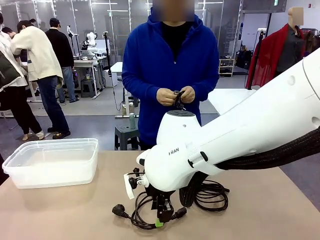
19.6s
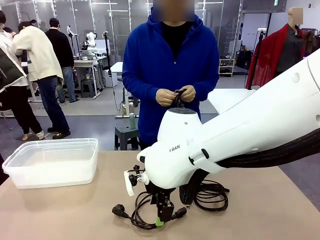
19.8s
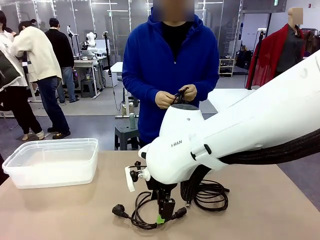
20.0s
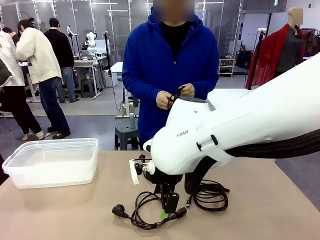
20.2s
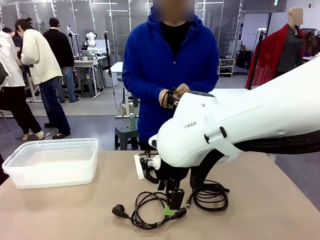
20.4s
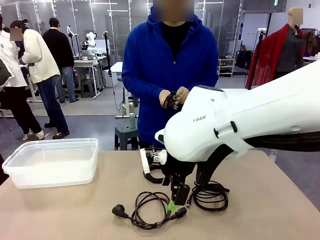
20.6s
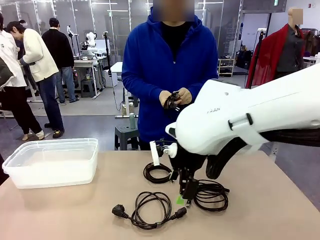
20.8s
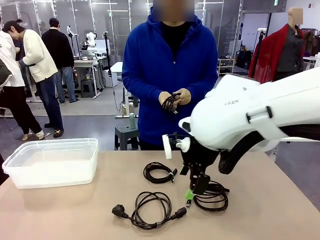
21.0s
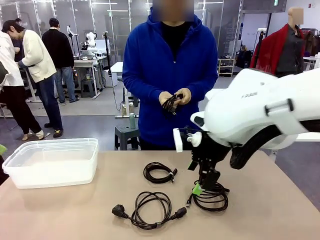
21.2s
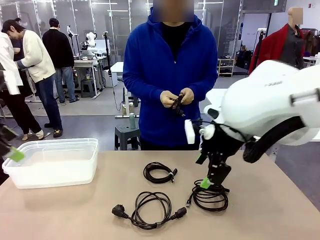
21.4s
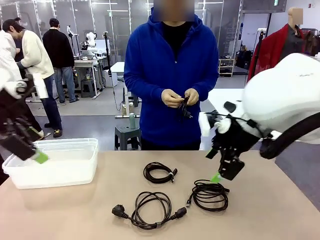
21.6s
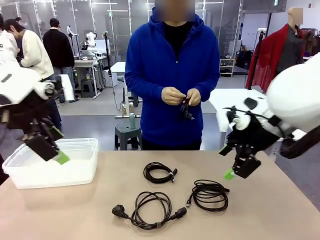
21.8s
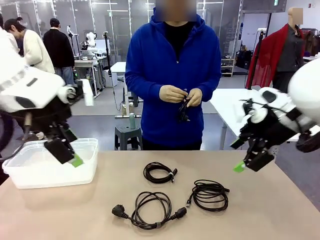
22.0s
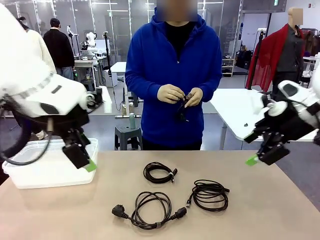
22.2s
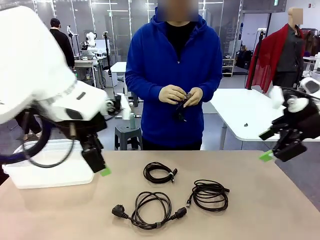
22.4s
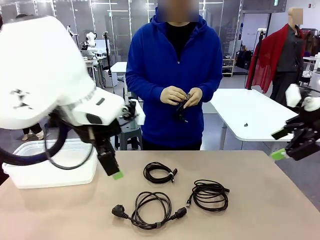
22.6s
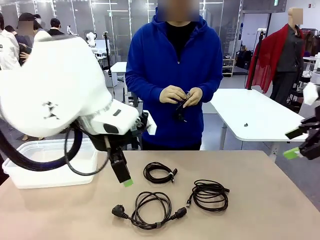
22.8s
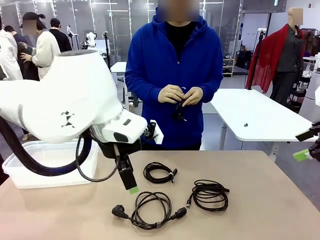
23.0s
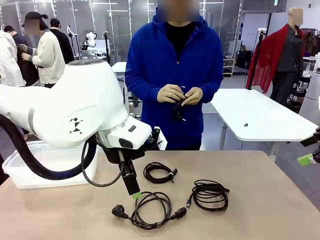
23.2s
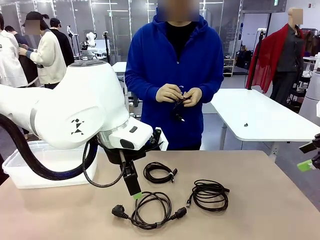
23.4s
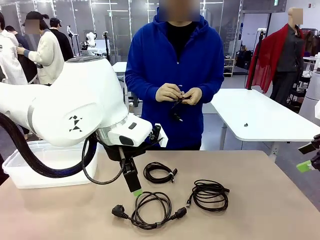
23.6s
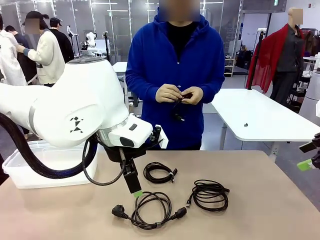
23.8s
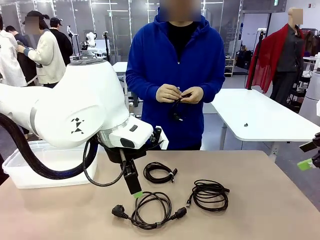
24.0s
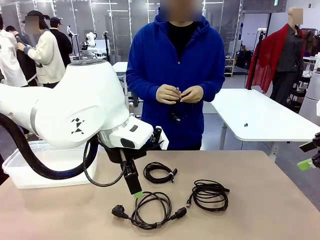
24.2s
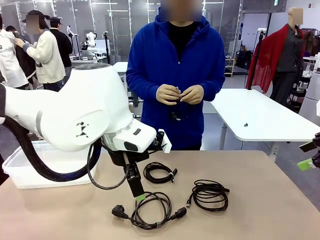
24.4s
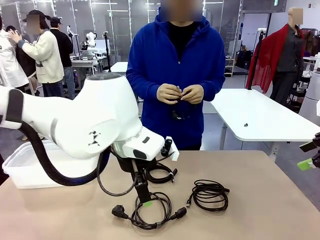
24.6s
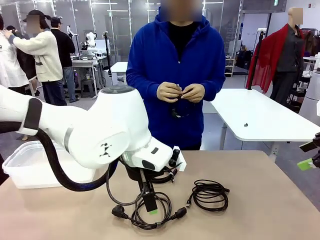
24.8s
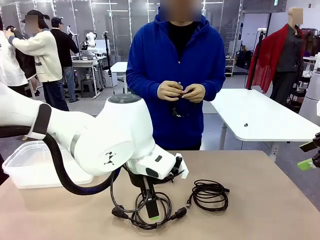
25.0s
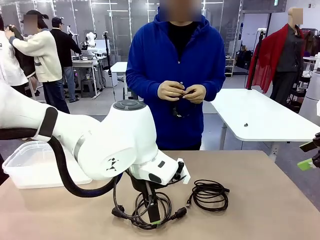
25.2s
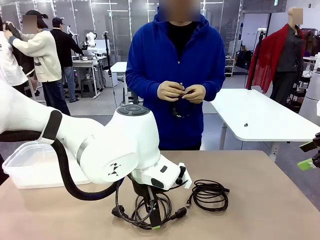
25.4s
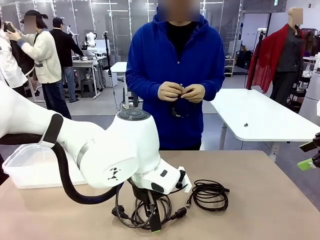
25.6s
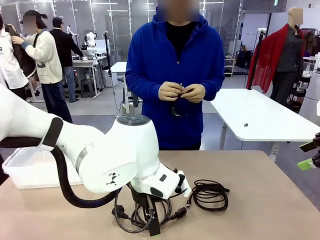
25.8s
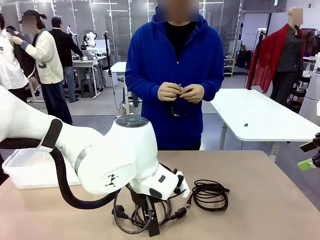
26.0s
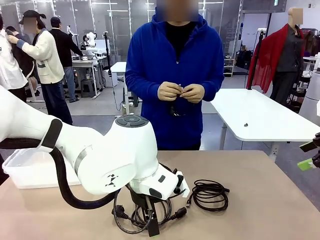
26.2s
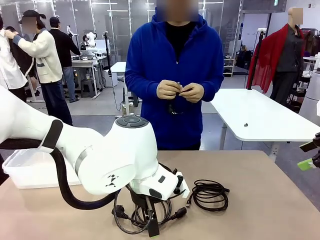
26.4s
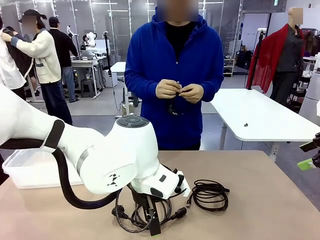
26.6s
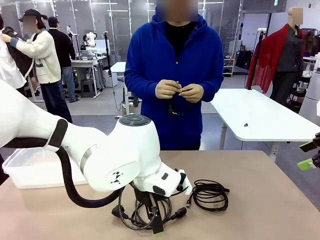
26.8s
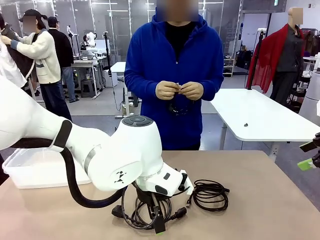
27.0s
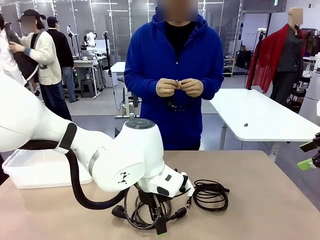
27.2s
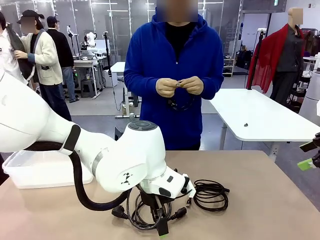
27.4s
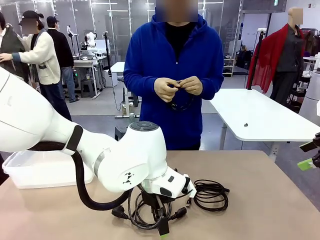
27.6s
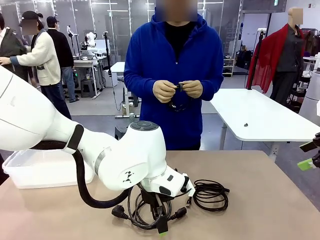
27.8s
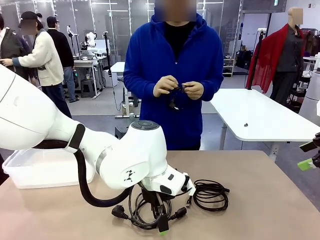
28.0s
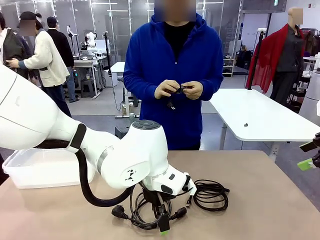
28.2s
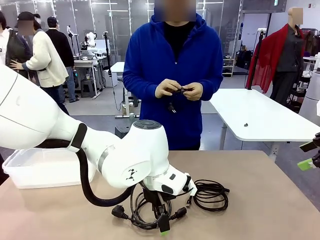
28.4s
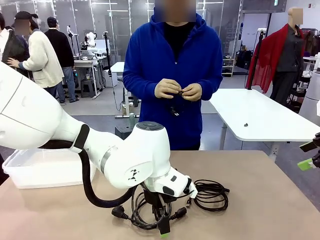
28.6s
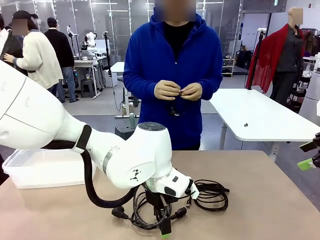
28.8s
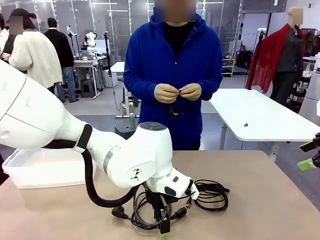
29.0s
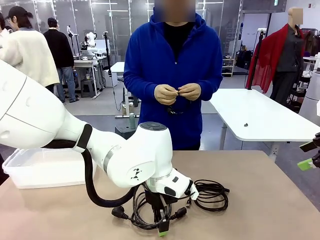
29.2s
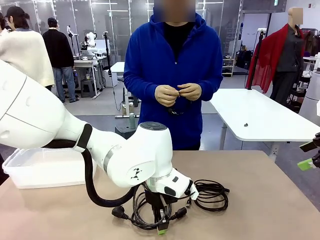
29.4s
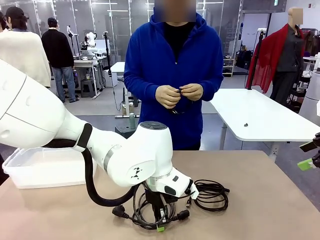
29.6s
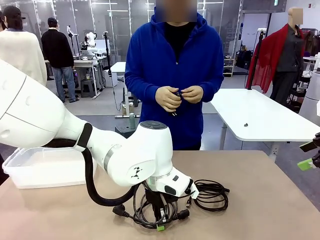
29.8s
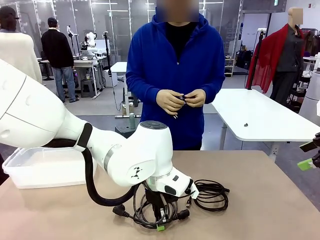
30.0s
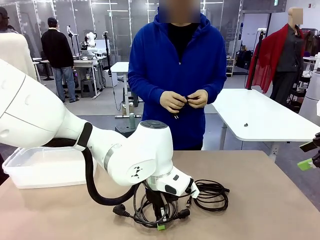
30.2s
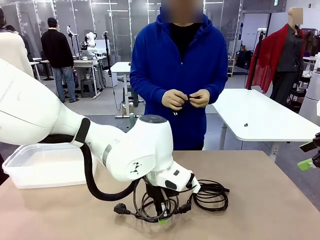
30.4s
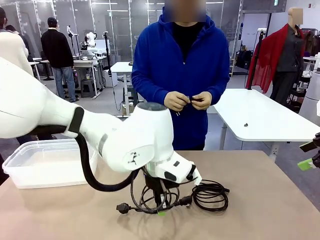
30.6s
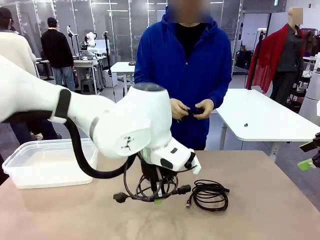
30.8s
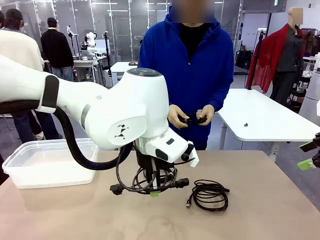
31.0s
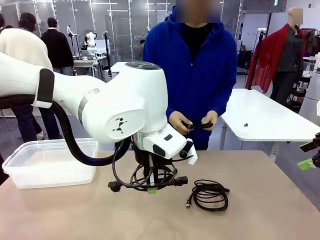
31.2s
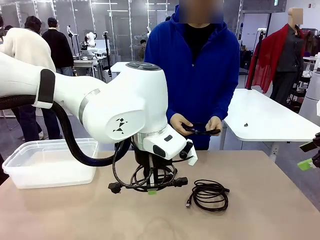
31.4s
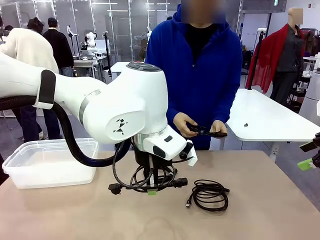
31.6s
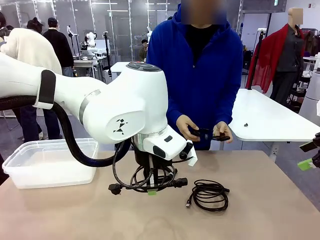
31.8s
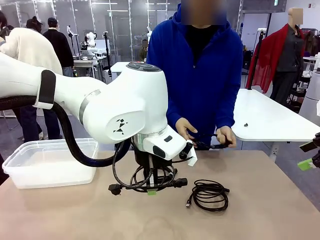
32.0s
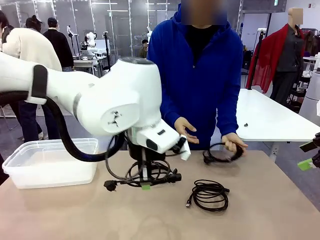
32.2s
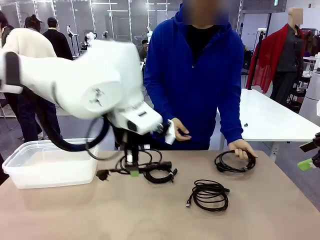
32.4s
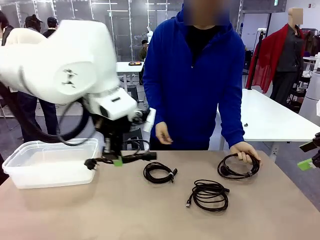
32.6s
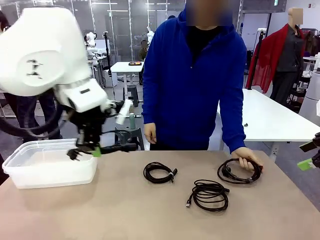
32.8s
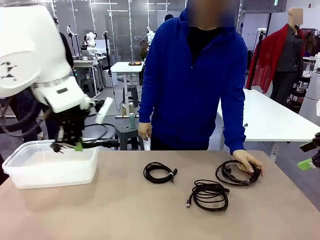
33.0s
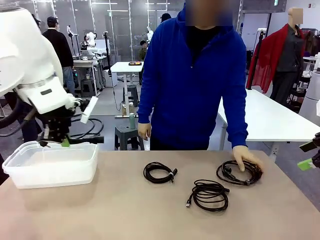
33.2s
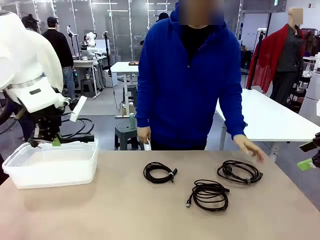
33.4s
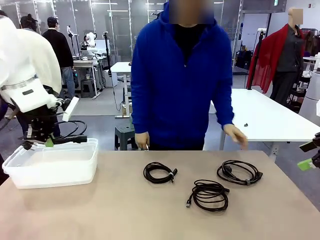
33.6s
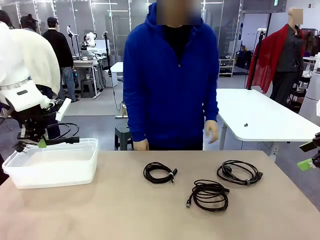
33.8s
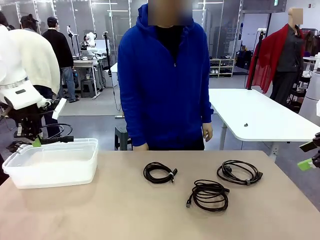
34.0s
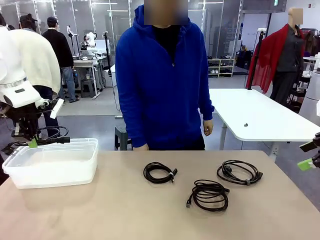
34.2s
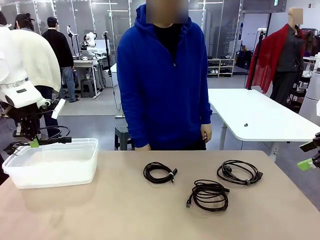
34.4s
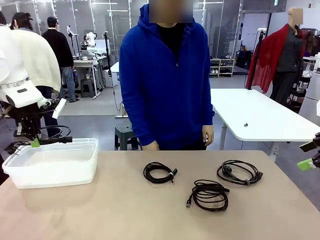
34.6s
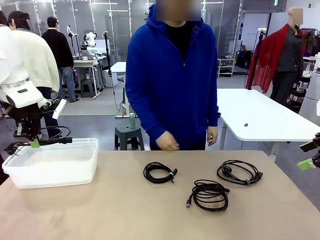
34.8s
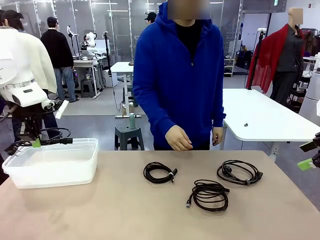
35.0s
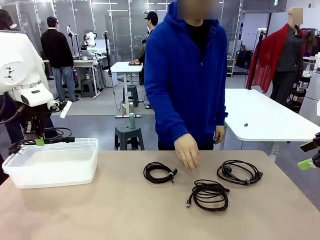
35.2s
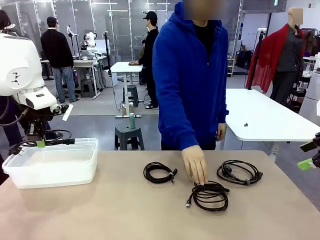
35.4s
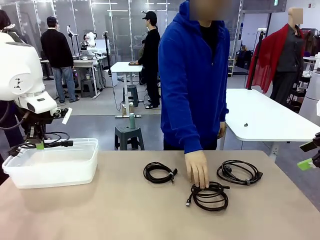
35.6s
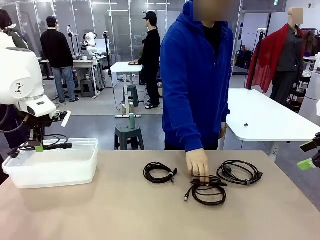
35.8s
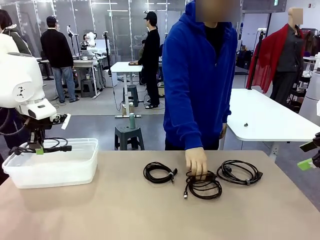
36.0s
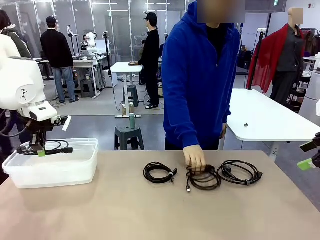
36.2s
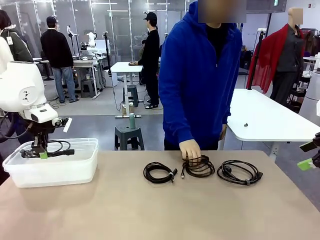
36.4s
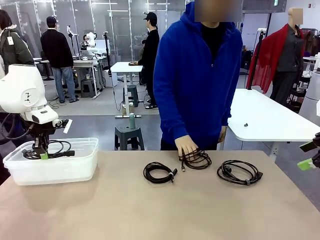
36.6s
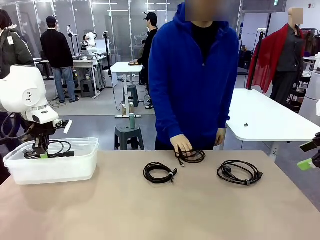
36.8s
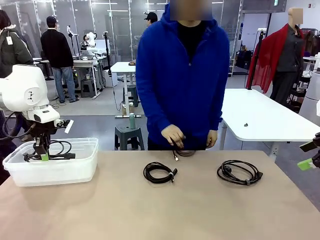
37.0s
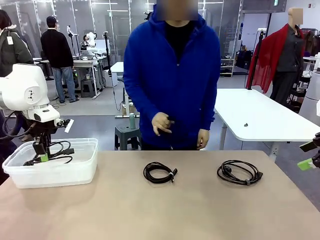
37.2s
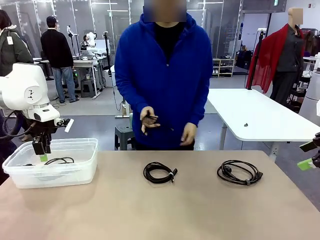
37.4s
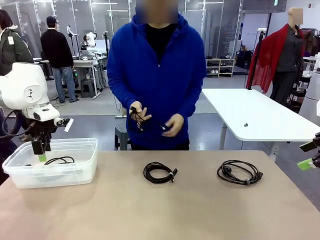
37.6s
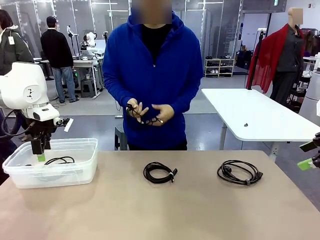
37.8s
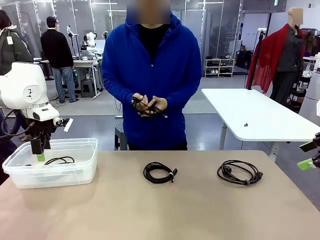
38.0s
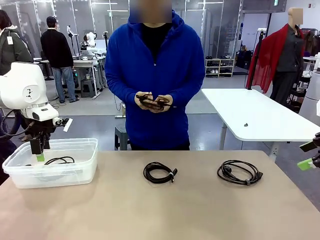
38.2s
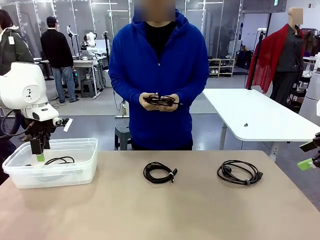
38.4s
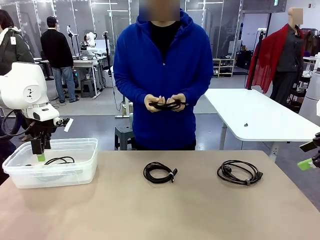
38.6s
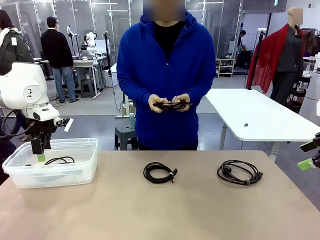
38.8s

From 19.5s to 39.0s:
Task: Organize and store the cables.
Robot: Place the Power Cable into the Organizing box.
